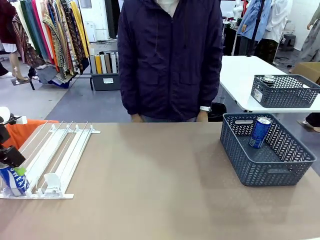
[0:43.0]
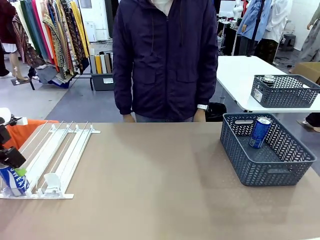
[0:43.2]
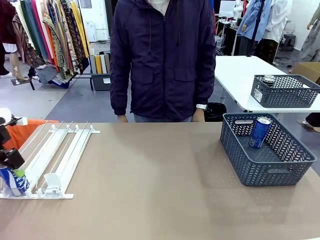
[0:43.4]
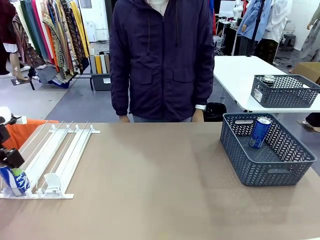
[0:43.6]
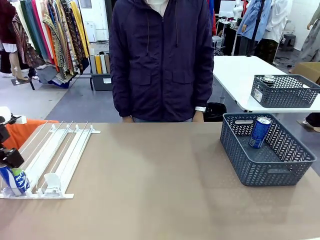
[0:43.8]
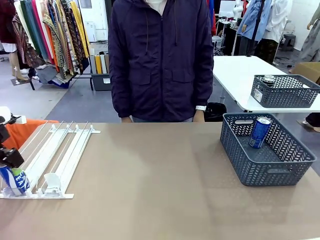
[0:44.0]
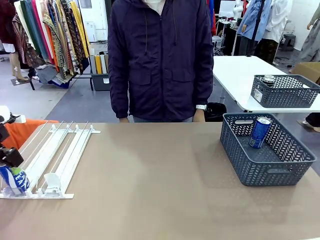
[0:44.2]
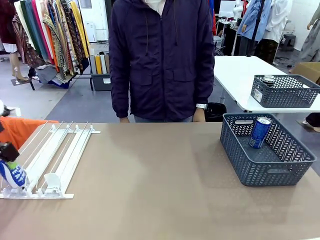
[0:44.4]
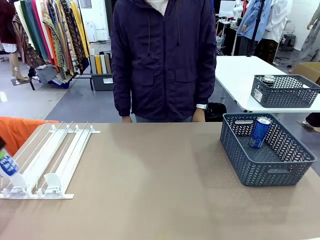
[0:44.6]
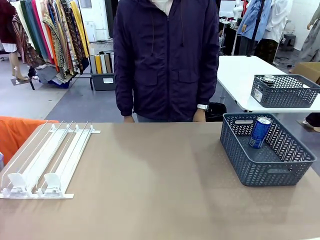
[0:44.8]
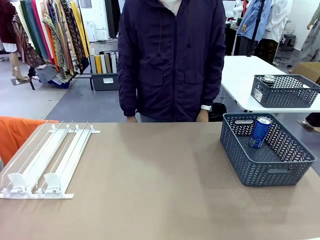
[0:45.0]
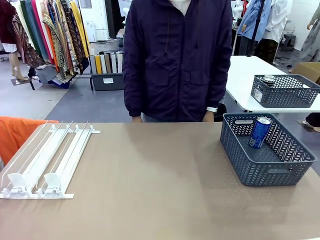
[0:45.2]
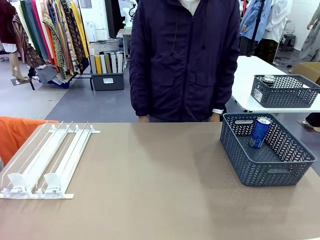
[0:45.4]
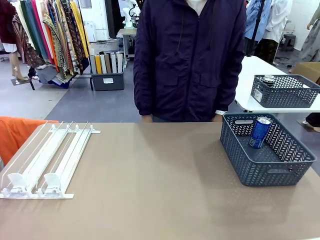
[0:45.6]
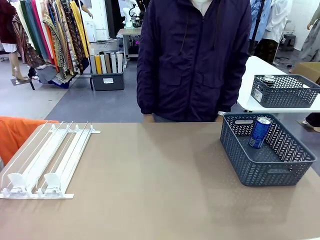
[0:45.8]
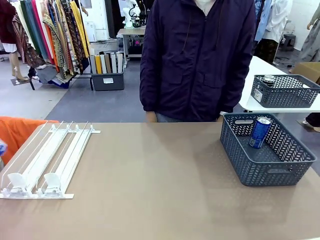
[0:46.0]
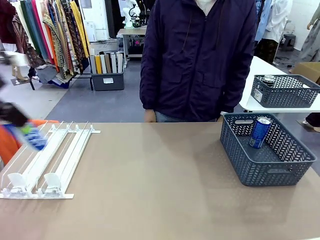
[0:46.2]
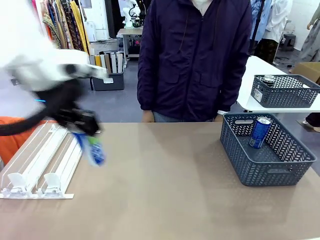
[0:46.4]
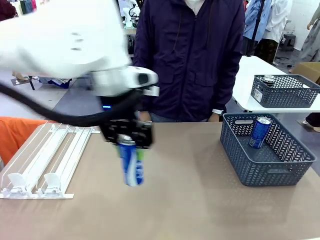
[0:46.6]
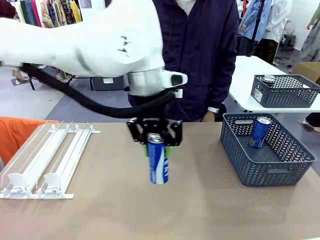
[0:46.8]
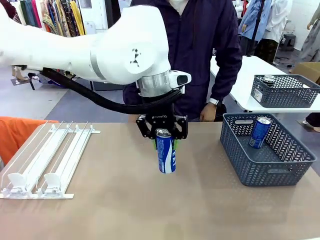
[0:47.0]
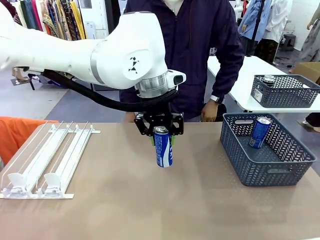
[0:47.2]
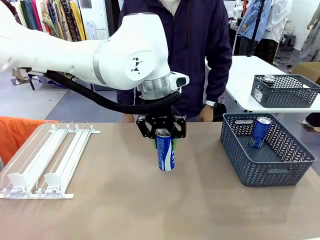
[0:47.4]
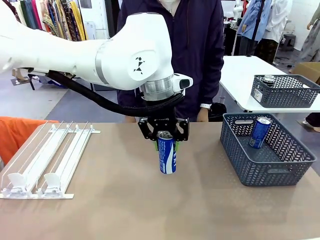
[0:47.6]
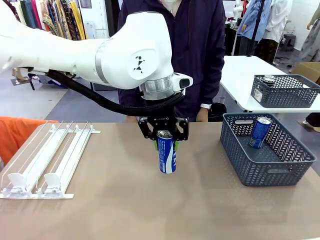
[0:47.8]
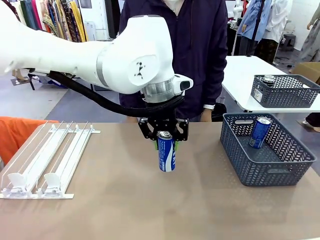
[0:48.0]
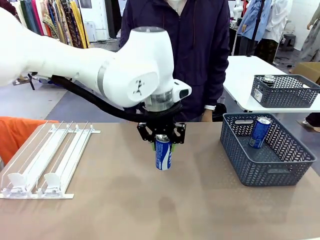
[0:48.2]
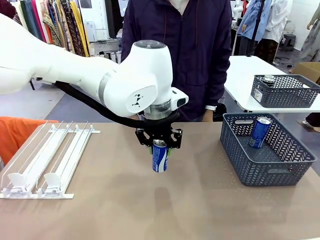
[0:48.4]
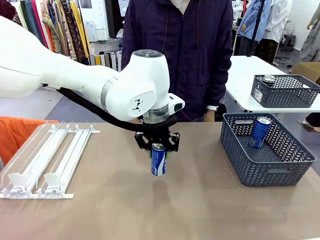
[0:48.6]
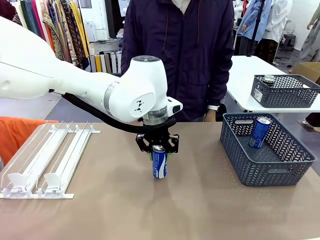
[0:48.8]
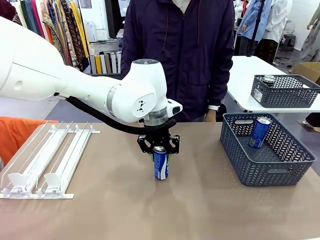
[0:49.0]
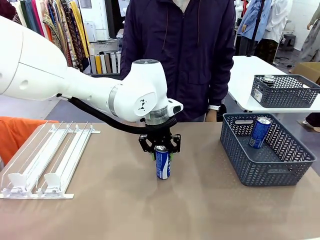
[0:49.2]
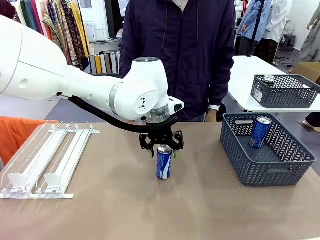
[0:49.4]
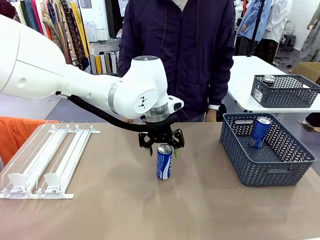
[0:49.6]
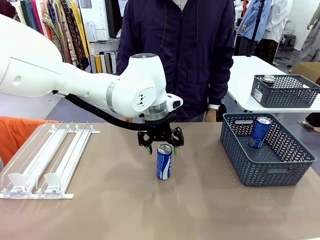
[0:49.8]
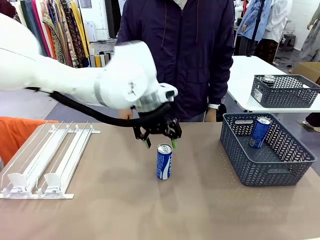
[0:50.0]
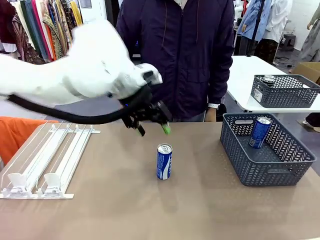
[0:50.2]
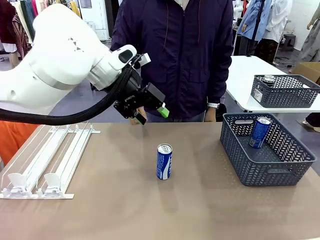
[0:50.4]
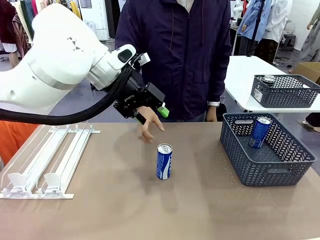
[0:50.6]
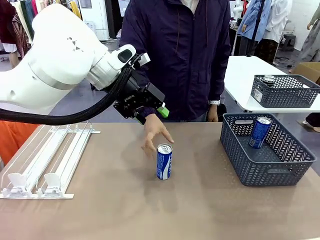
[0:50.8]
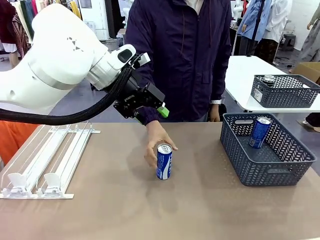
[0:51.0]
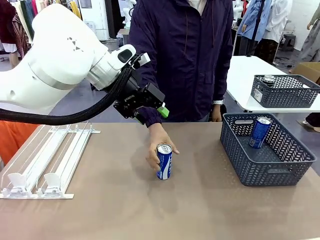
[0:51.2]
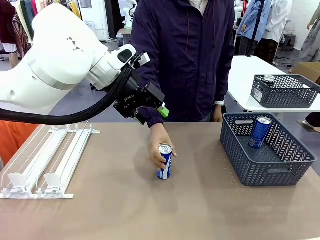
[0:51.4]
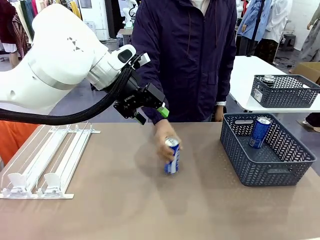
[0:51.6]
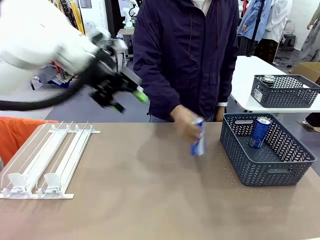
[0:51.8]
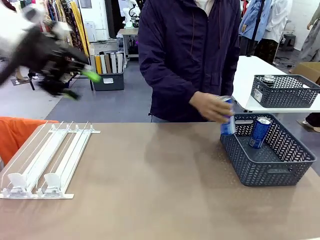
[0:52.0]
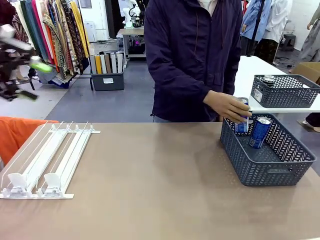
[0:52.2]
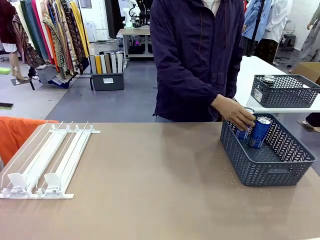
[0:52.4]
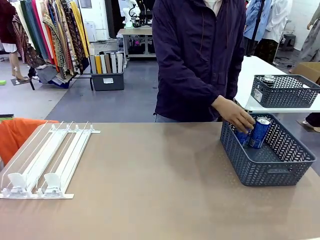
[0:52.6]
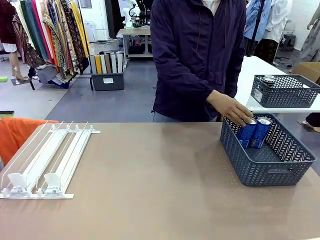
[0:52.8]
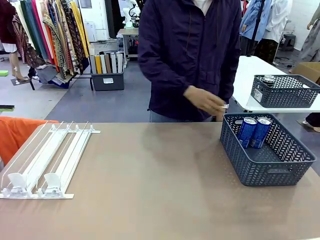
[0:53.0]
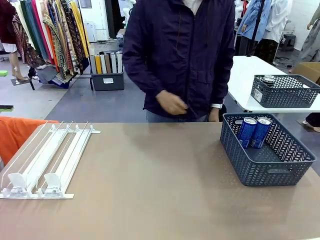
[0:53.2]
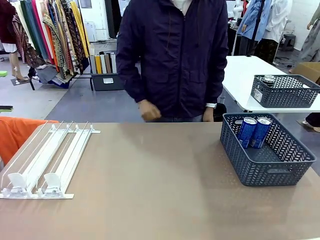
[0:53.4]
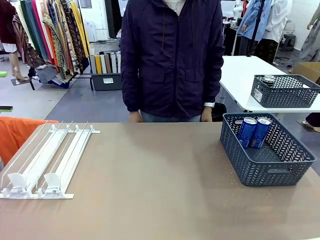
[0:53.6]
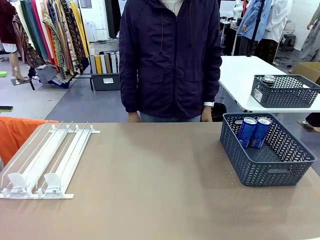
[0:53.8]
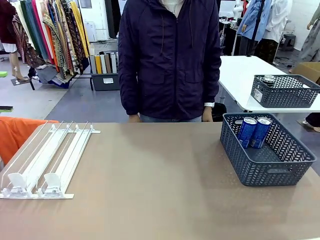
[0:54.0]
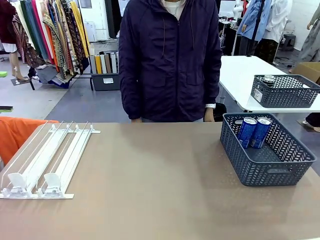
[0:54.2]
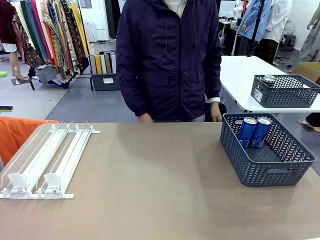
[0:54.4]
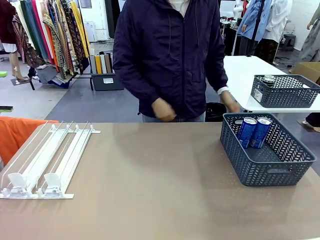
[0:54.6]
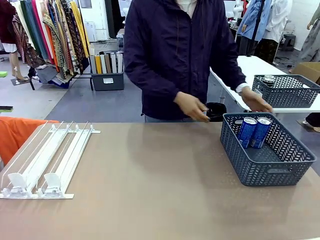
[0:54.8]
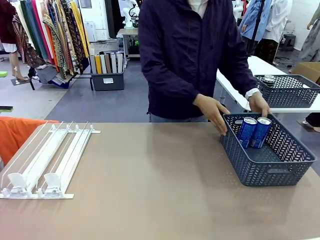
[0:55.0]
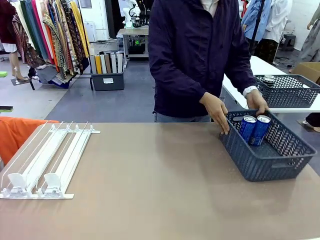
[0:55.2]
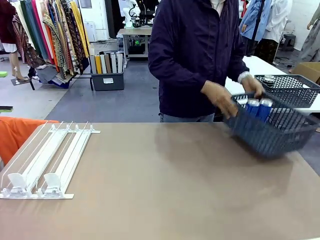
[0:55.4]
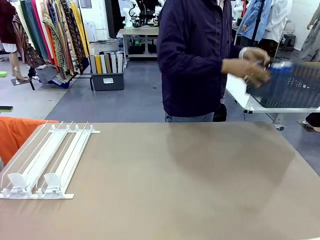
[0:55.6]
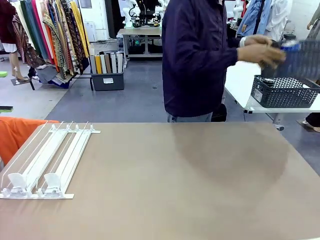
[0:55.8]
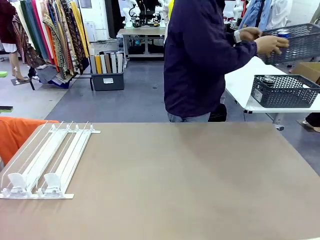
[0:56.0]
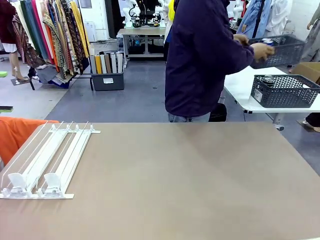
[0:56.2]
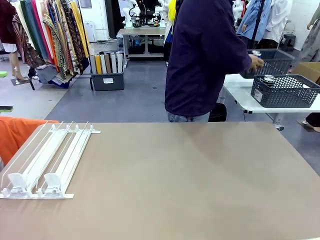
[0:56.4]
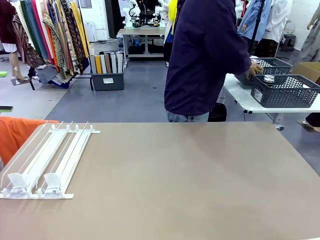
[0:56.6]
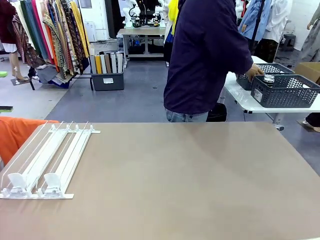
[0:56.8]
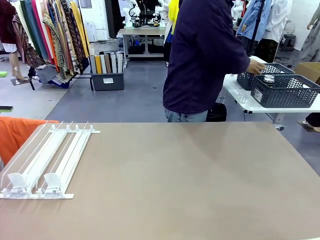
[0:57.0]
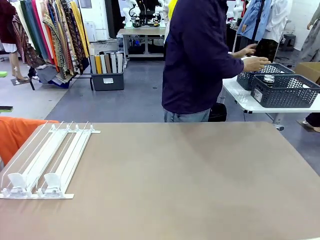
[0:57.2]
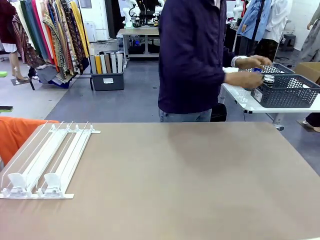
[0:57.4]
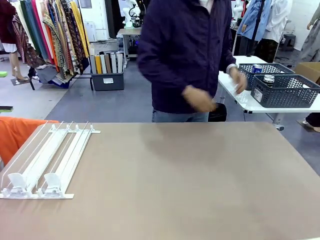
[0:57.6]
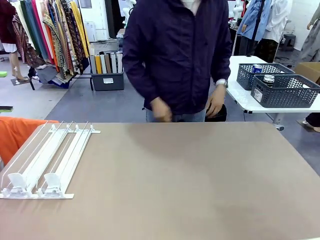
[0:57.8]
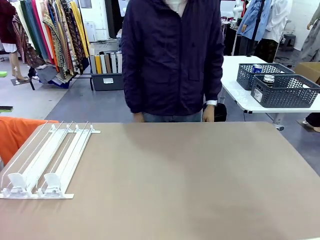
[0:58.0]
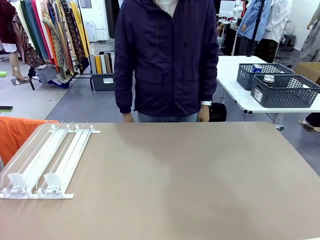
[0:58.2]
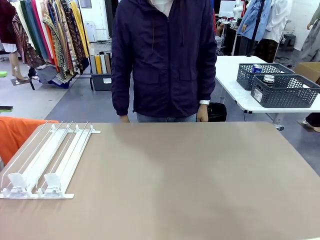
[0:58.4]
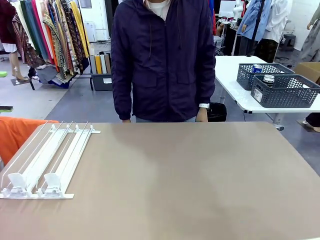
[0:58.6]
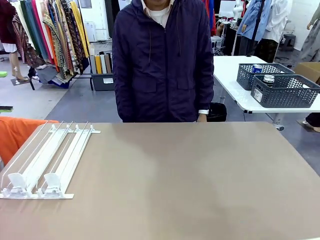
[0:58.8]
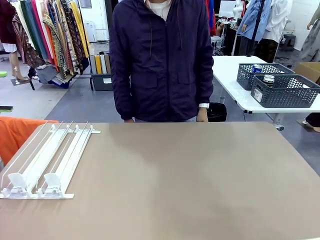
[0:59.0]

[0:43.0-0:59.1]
Task: Retrieve and store the cans from the dispenser.
Robot: Pick up one can from the Automatic Can Dispenser and place it in the middle of the table.
Person: Pick up one sports drink can from the middle of the robot table and place it in the basket. Pick up the basket and place it in the middle of the human table.
